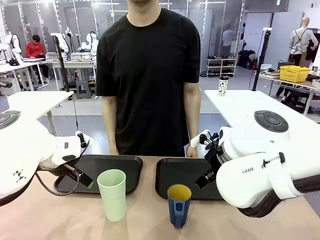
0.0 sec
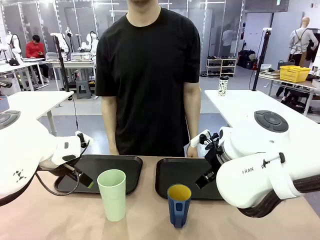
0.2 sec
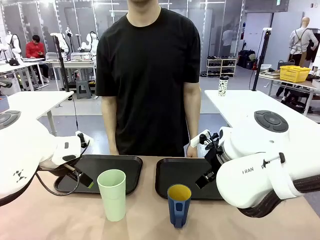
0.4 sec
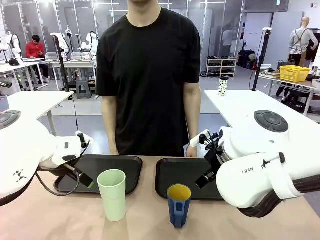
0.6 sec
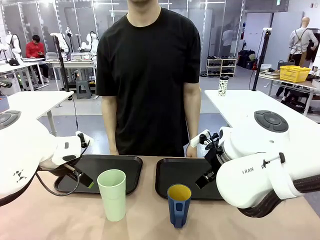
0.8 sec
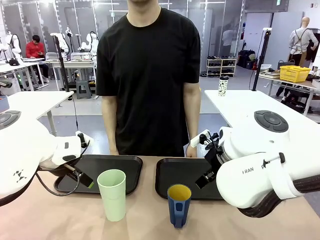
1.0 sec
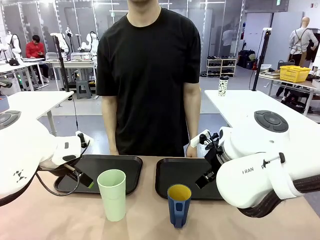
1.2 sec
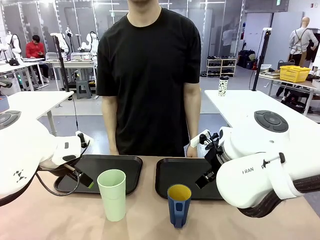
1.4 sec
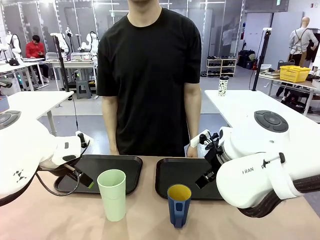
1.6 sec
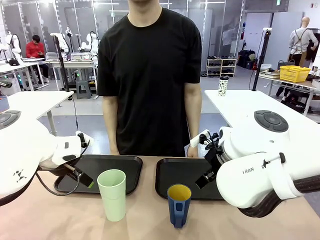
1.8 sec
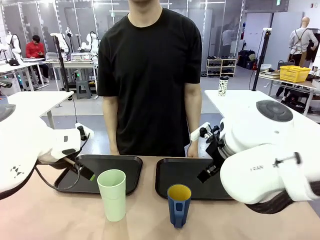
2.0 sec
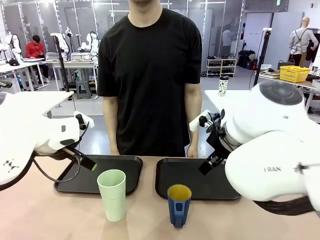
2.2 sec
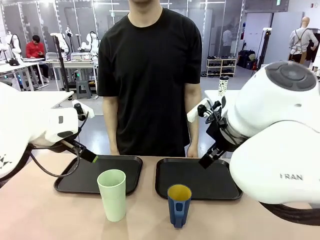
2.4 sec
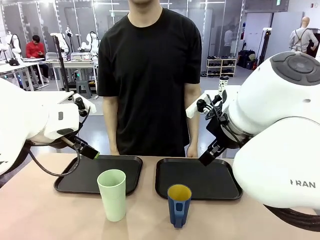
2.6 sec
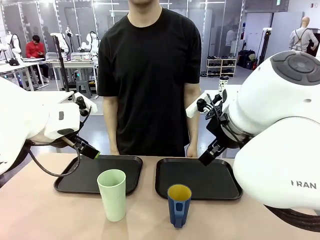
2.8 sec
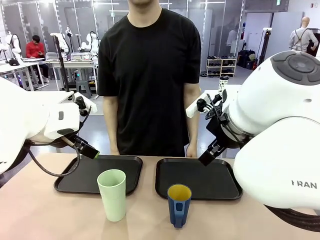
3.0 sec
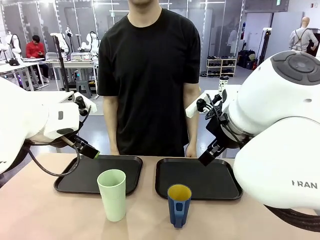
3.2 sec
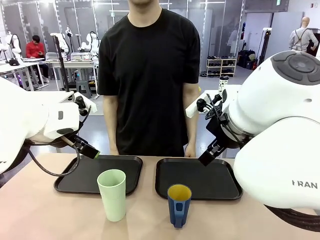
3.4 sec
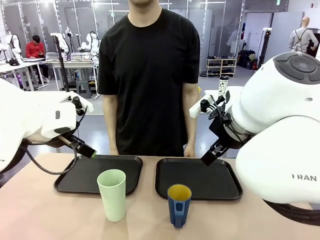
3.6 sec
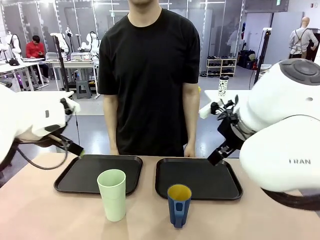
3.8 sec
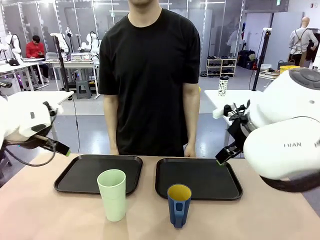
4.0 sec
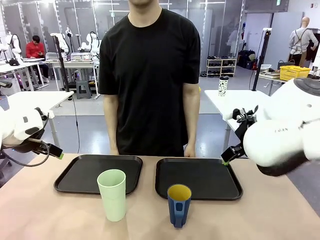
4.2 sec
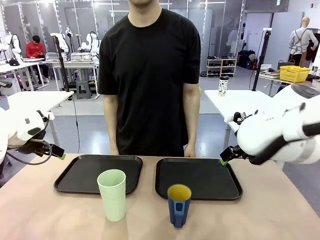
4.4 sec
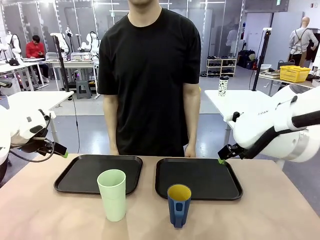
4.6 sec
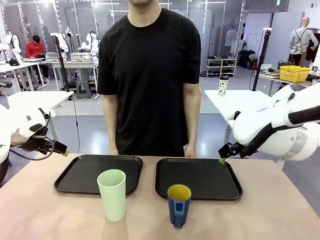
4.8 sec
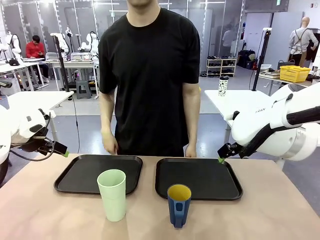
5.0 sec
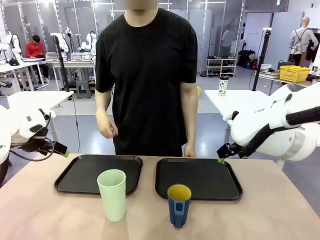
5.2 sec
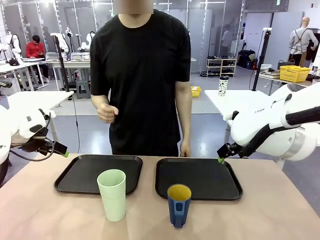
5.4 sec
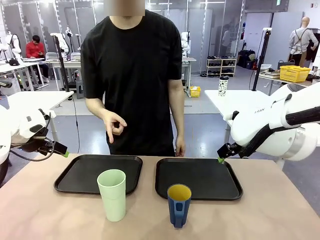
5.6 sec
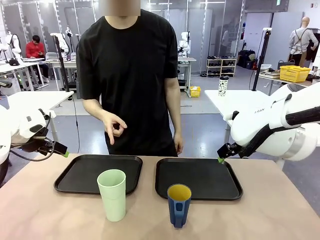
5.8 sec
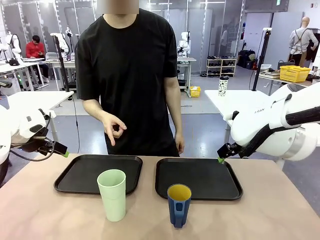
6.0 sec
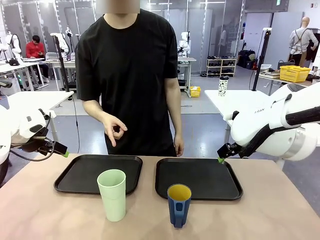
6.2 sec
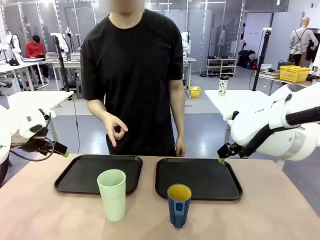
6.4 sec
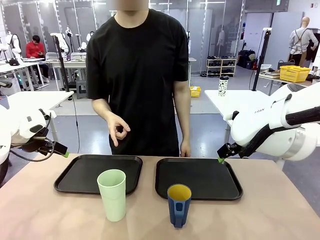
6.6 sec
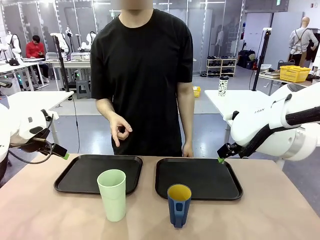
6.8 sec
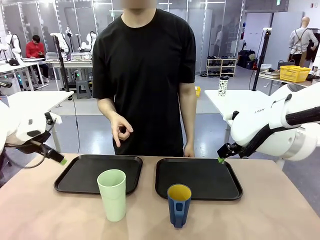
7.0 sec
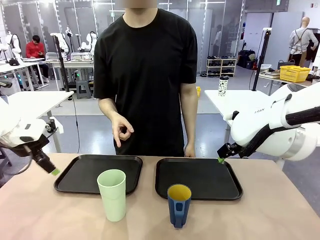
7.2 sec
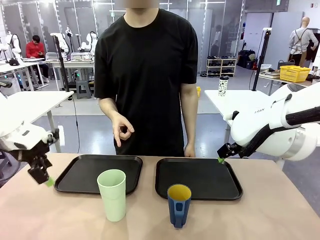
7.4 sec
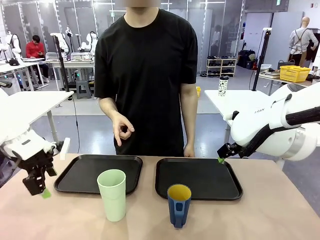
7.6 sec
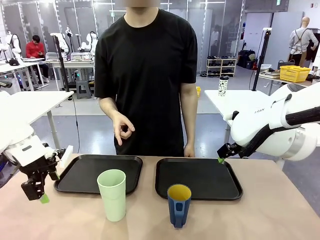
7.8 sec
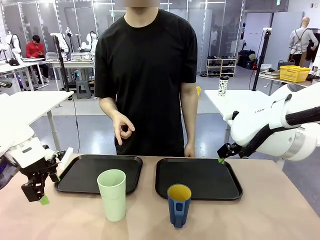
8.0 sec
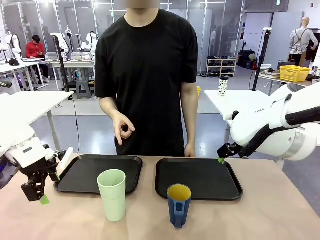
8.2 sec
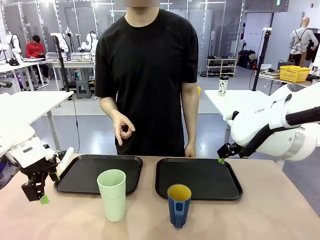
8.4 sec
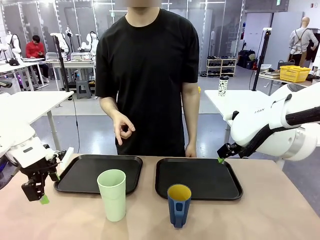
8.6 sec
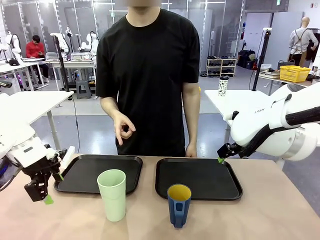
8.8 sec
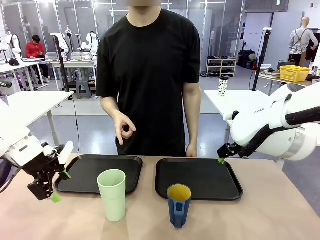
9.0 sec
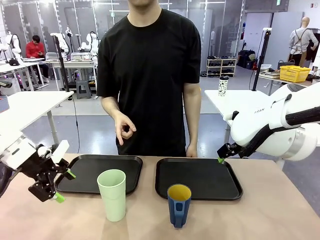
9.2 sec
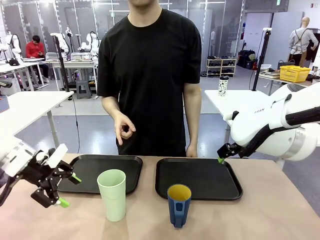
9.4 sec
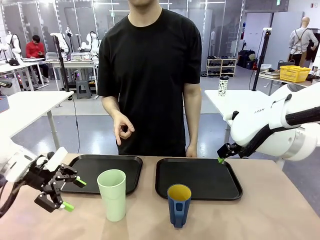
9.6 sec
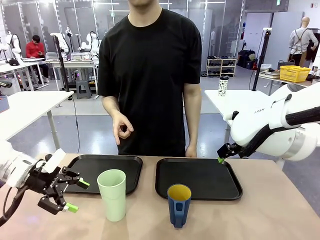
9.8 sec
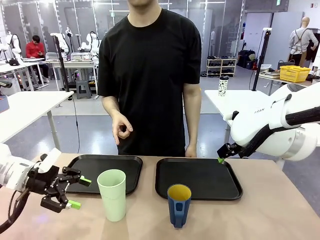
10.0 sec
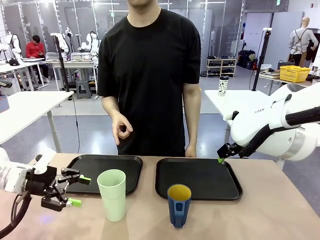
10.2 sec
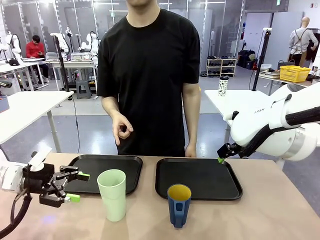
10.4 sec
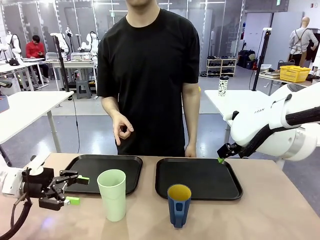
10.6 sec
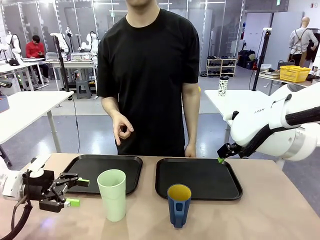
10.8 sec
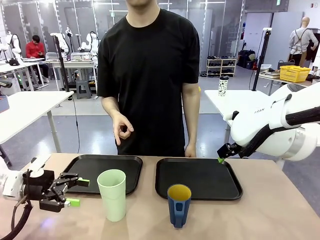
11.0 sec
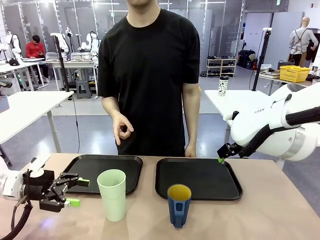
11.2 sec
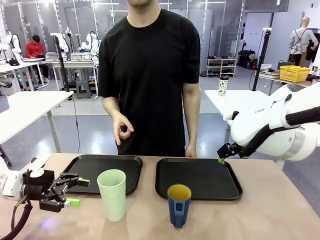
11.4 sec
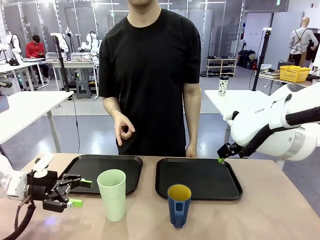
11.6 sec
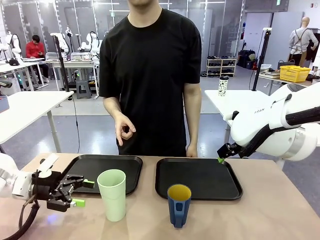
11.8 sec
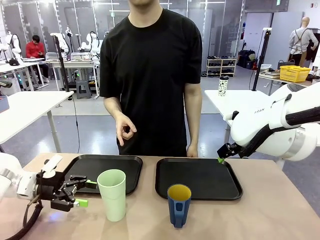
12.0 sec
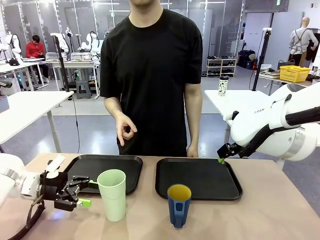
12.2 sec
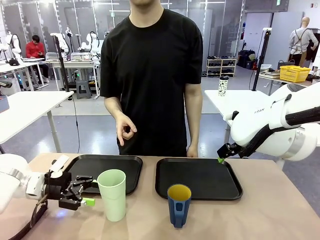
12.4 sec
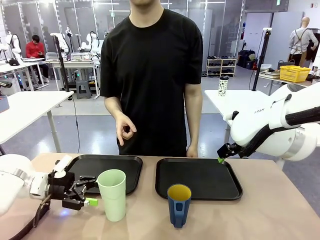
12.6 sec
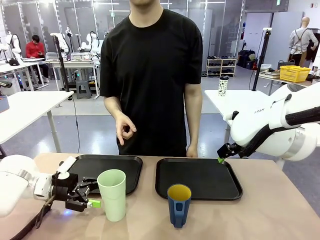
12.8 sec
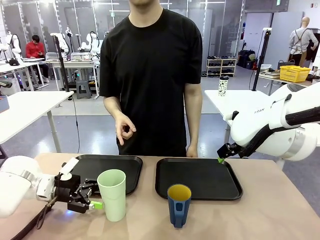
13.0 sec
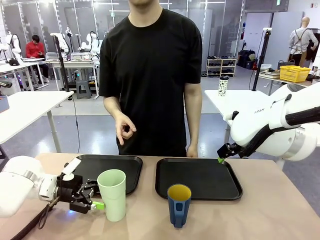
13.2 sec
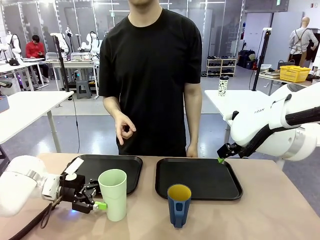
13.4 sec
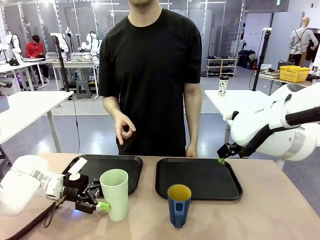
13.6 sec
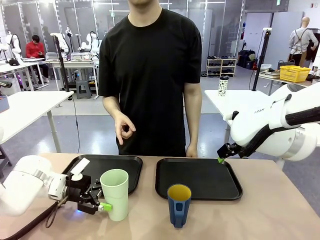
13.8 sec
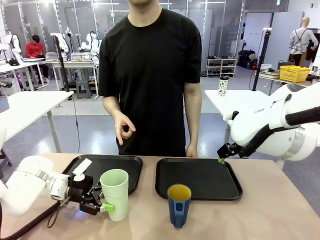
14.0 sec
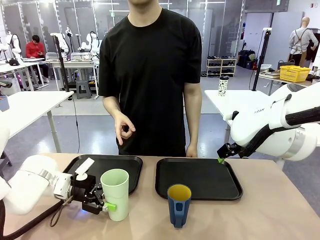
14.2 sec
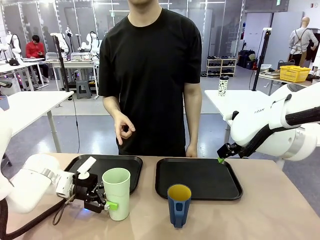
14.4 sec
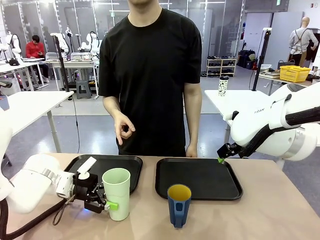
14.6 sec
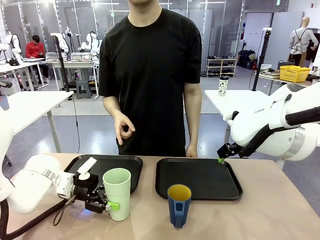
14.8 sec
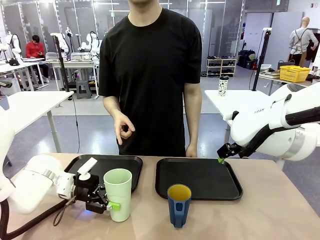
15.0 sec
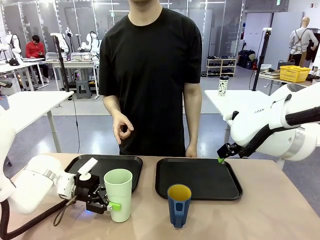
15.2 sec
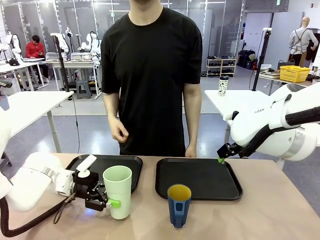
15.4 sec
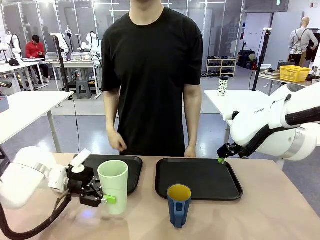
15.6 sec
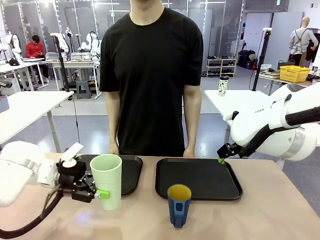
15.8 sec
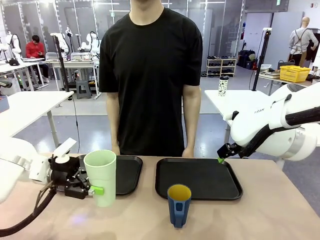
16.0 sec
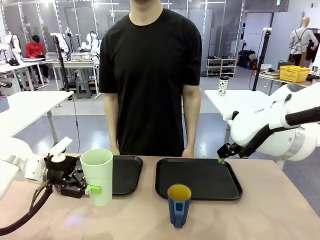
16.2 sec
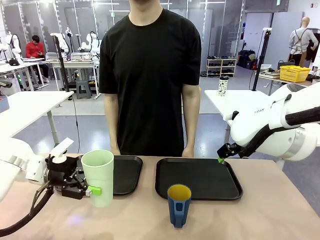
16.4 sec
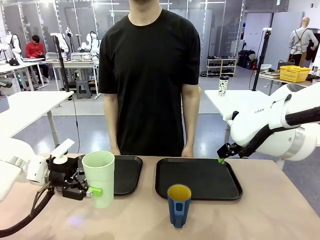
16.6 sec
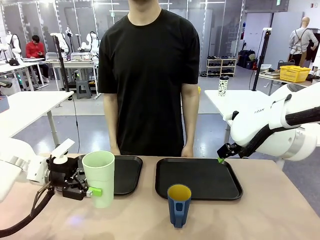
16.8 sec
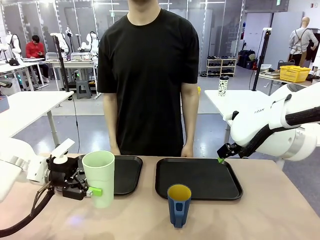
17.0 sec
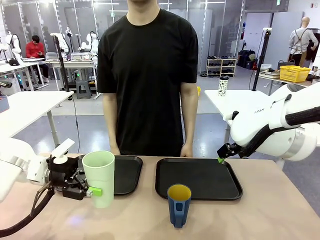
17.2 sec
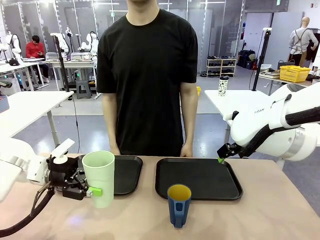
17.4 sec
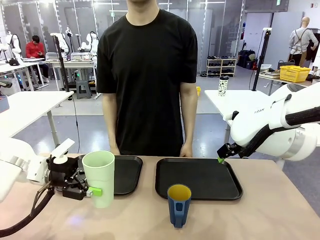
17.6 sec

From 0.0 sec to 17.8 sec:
Task: Sort and store the cups by type.
Robot: Pick up the Reusable plastic cup.
Person: Points to the reusable cup. Point to one of the two trays.
